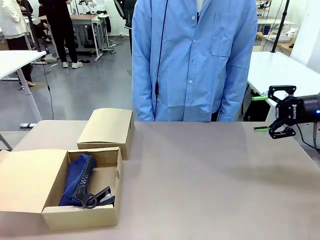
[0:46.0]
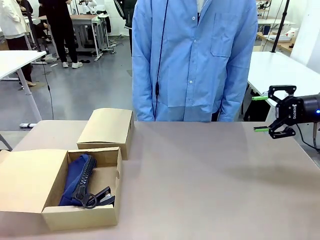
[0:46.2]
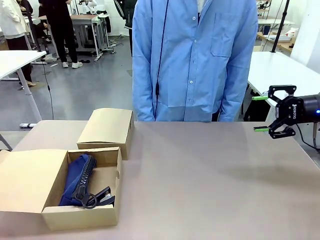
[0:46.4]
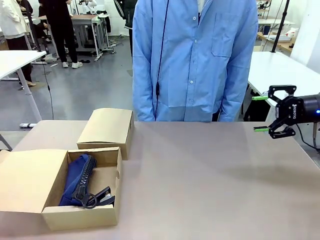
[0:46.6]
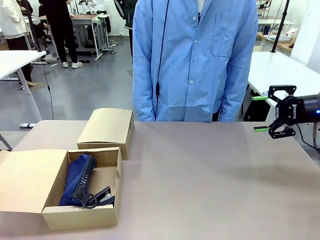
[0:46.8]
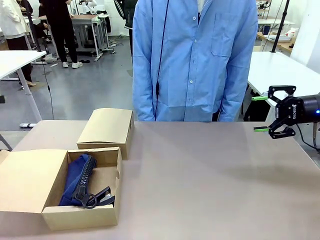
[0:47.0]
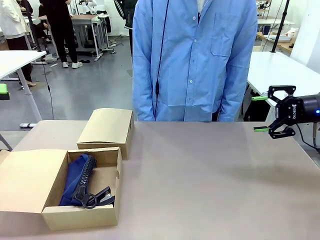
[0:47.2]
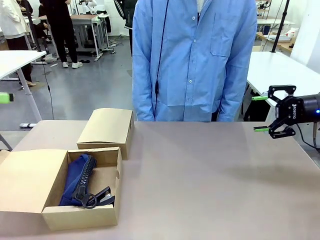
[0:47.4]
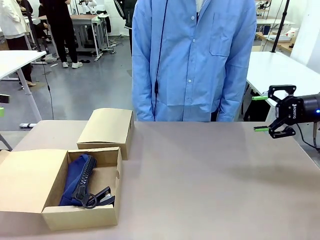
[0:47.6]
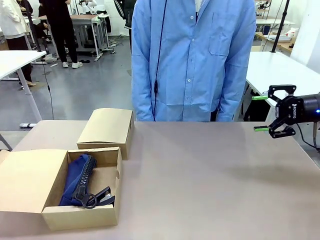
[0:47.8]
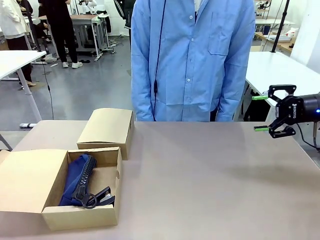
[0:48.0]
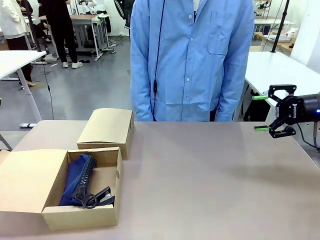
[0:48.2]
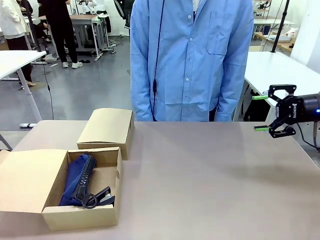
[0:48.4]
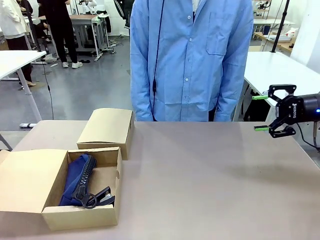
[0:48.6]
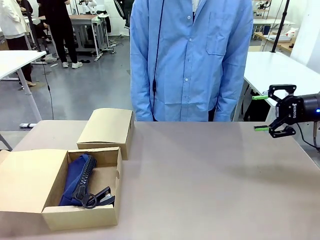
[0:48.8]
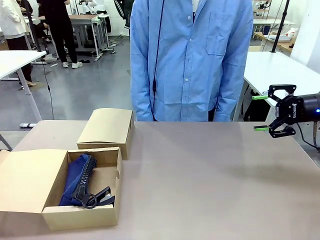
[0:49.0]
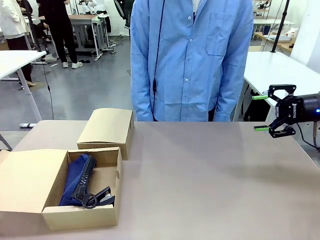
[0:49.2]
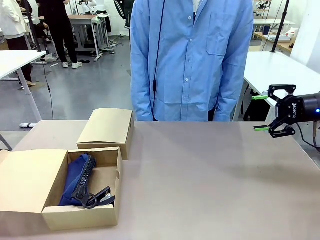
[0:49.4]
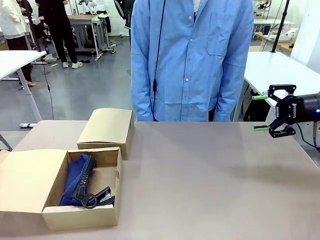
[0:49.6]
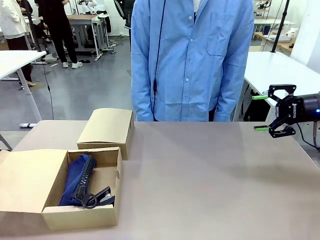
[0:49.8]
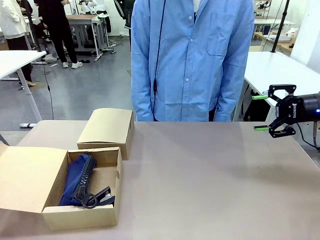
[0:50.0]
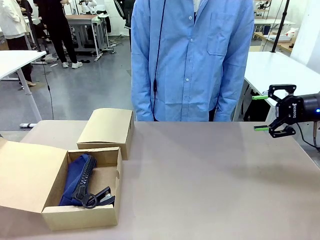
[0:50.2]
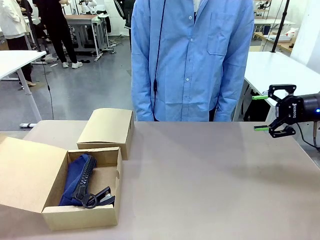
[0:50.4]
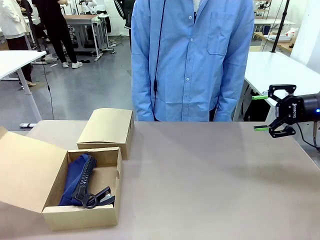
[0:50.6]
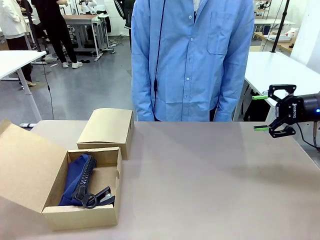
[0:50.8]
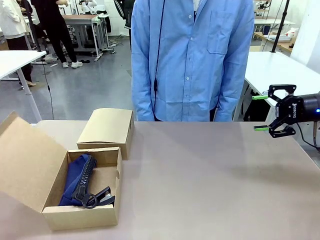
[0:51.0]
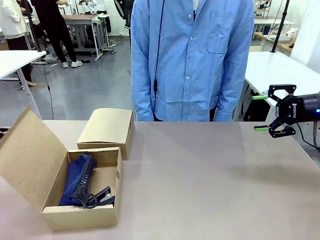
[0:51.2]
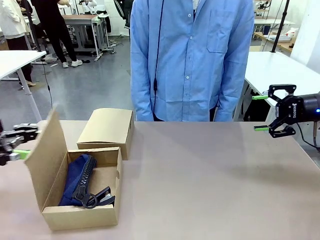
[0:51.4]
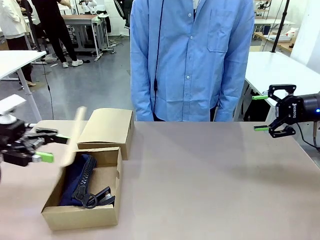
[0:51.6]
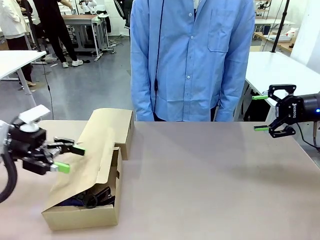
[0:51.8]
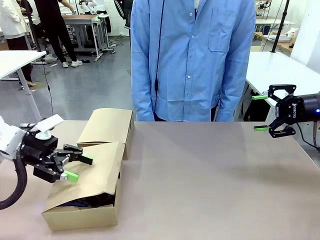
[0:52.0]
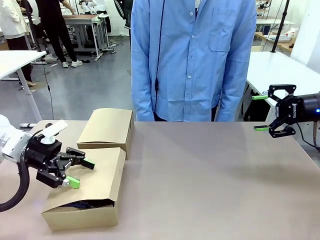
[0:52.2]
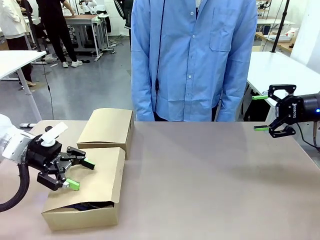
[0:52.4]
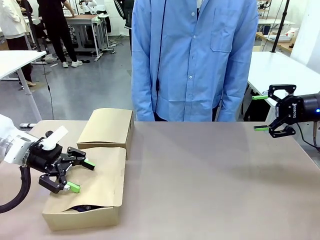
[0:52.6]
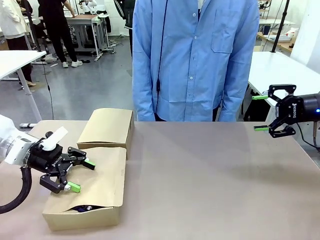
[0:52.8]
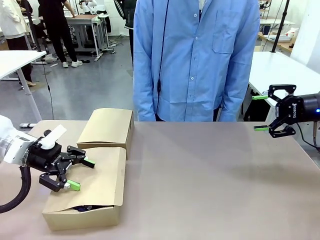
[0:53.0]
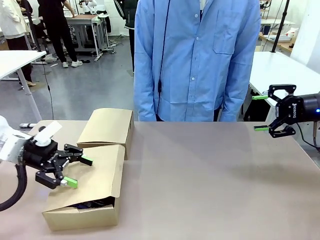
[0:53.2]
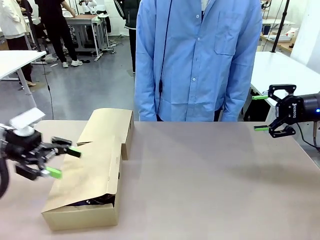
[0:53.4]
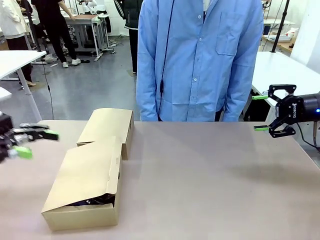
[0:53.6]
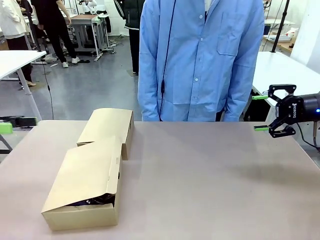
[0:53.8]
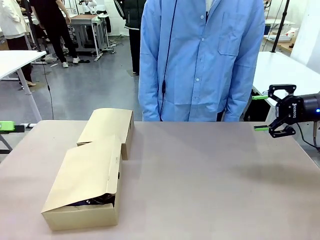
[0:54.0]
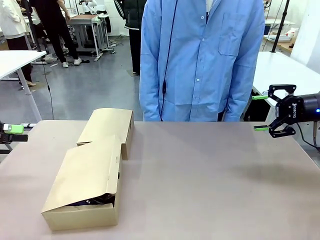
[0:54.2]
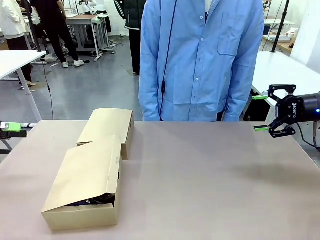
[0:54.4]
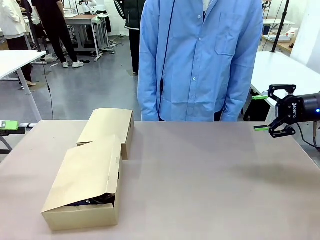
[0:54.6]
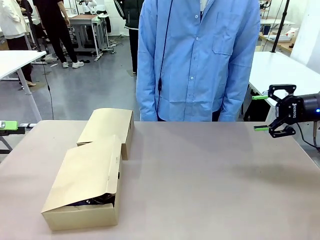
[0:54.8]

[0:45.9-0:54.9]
Task: Place items inside the box.
Robot: Close the lid of the Mailer Box closest to the robot.

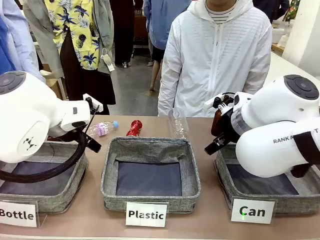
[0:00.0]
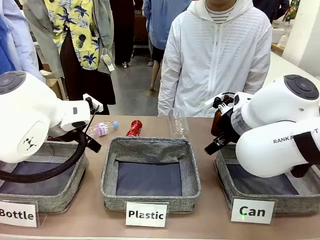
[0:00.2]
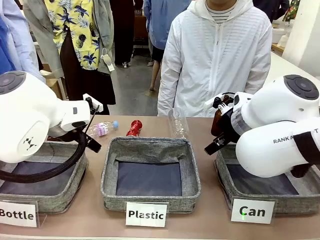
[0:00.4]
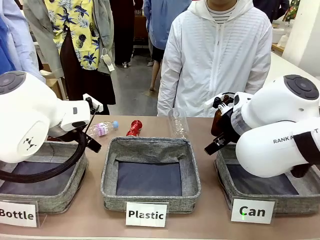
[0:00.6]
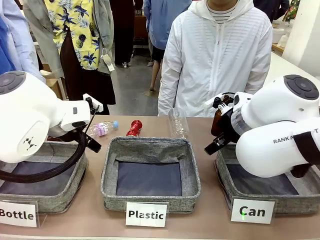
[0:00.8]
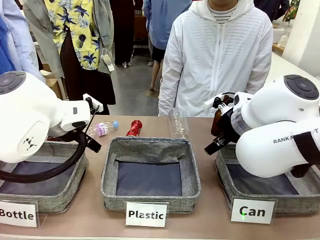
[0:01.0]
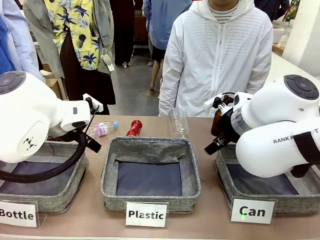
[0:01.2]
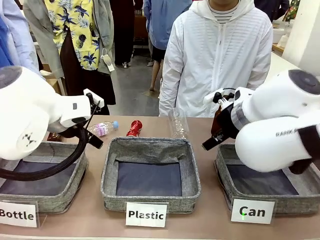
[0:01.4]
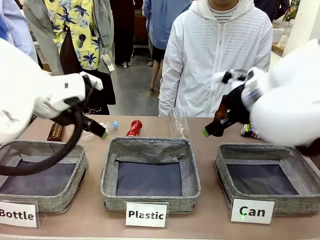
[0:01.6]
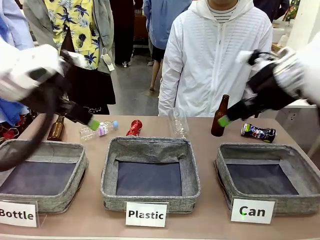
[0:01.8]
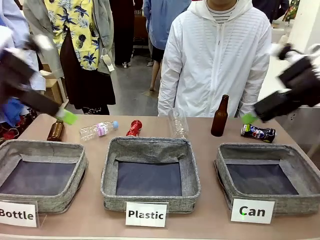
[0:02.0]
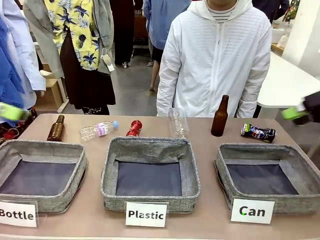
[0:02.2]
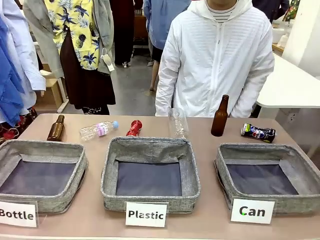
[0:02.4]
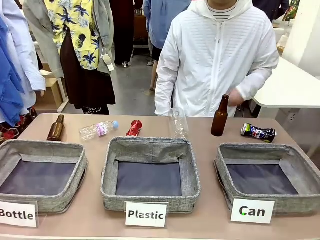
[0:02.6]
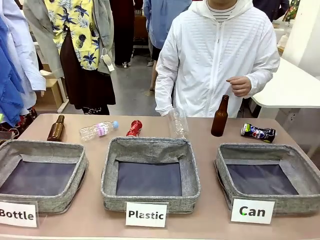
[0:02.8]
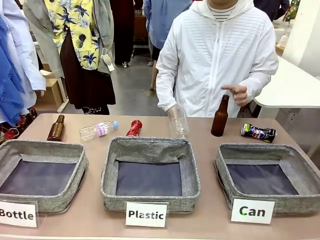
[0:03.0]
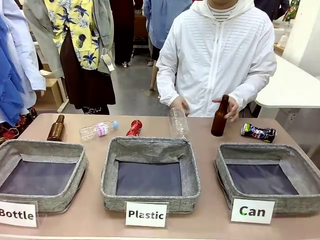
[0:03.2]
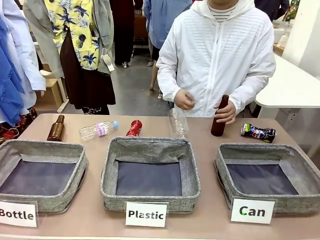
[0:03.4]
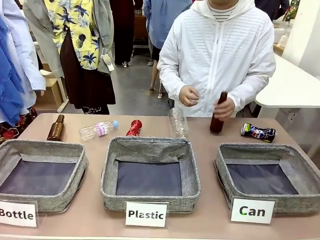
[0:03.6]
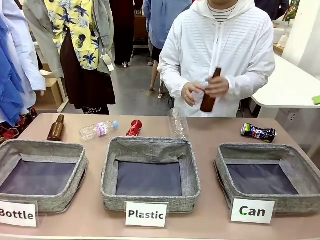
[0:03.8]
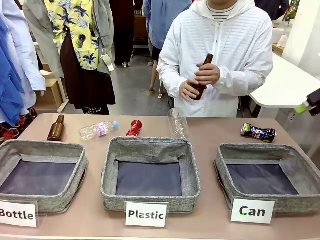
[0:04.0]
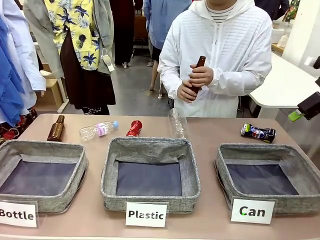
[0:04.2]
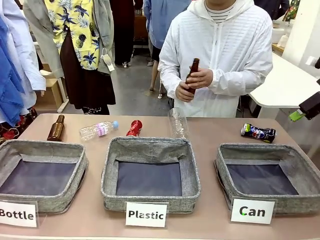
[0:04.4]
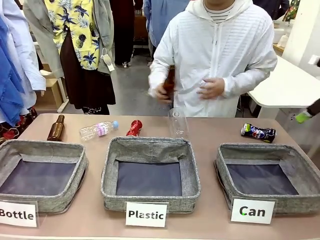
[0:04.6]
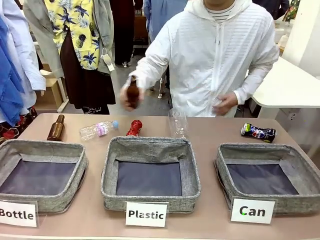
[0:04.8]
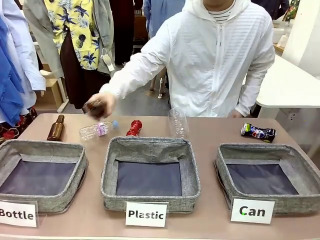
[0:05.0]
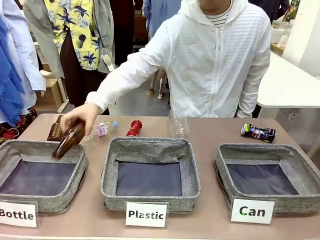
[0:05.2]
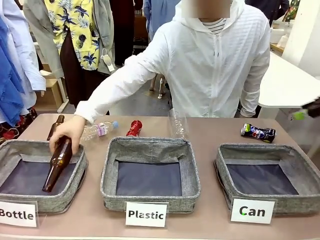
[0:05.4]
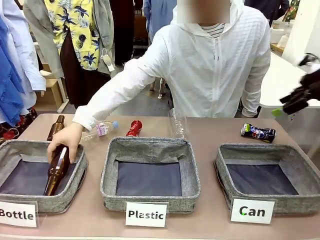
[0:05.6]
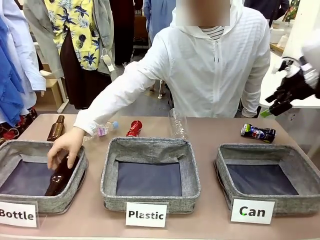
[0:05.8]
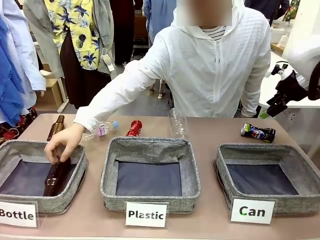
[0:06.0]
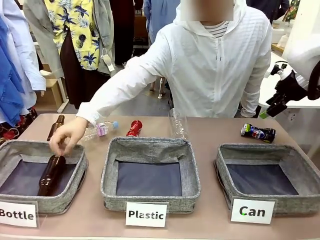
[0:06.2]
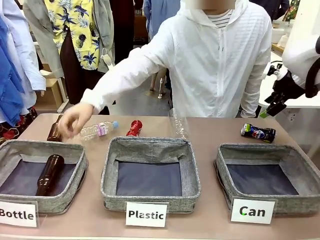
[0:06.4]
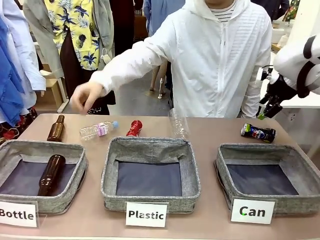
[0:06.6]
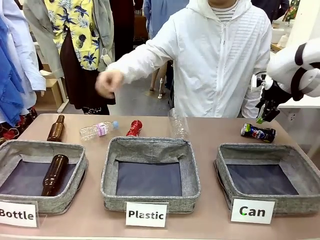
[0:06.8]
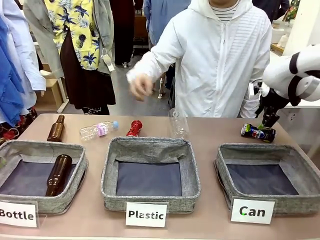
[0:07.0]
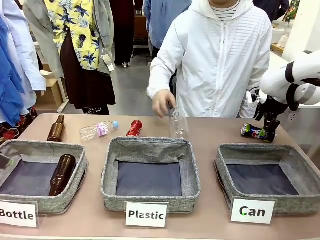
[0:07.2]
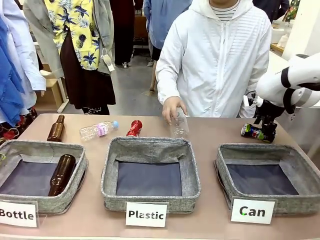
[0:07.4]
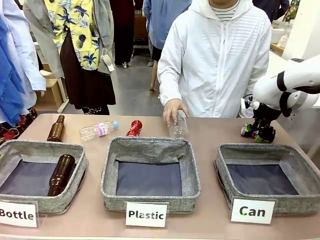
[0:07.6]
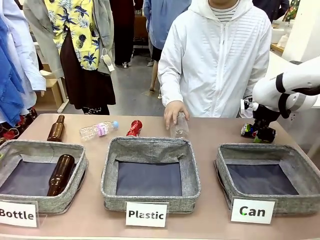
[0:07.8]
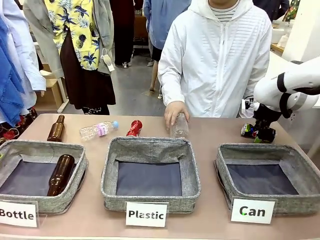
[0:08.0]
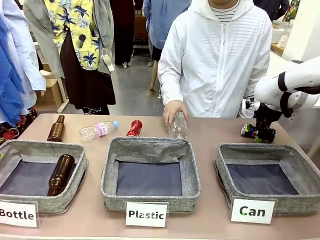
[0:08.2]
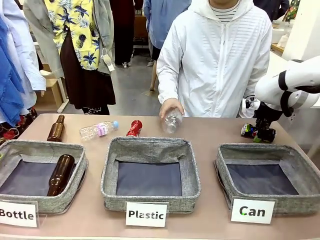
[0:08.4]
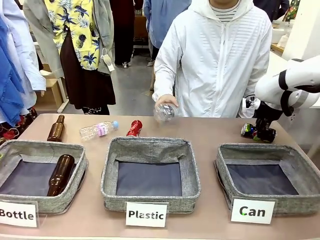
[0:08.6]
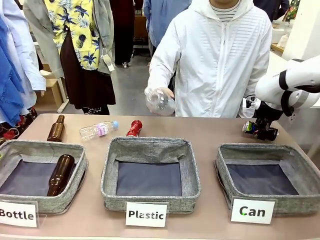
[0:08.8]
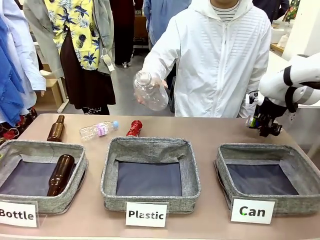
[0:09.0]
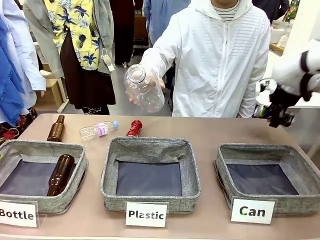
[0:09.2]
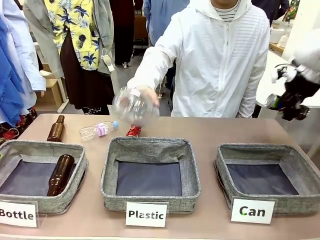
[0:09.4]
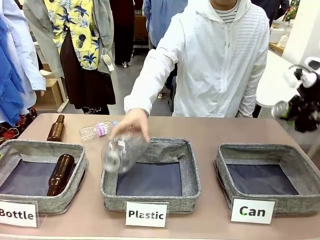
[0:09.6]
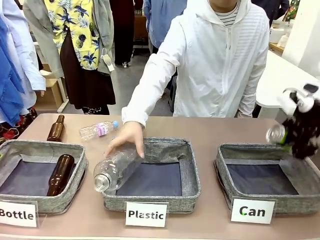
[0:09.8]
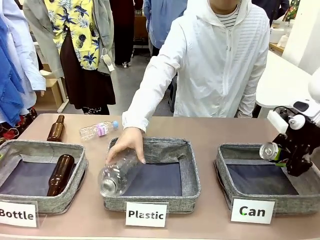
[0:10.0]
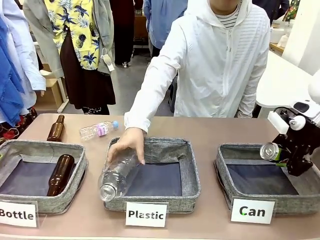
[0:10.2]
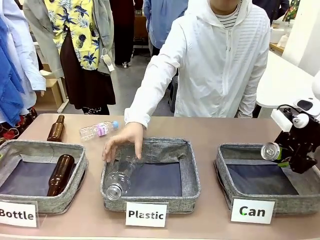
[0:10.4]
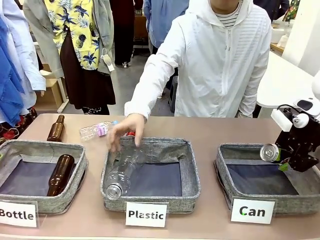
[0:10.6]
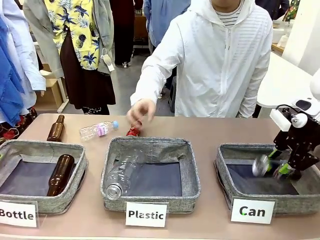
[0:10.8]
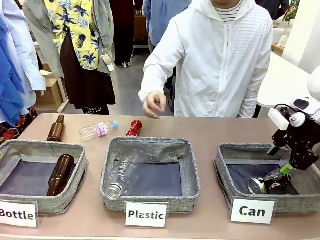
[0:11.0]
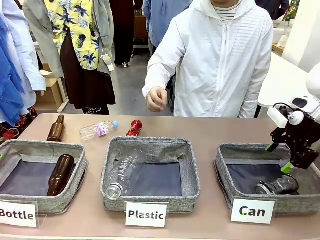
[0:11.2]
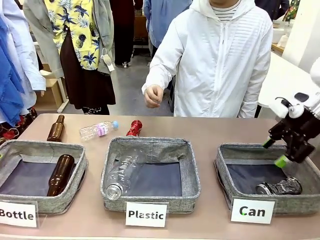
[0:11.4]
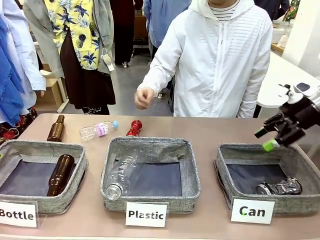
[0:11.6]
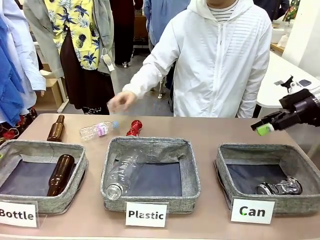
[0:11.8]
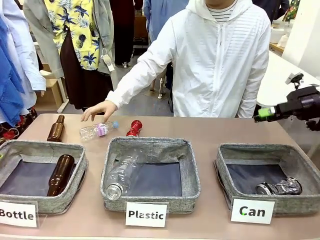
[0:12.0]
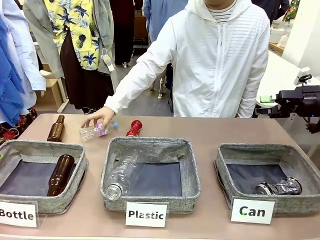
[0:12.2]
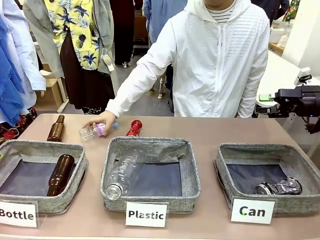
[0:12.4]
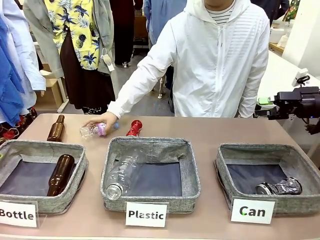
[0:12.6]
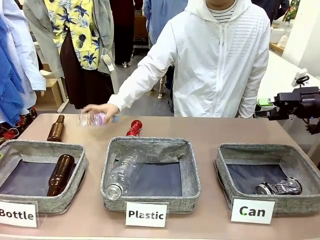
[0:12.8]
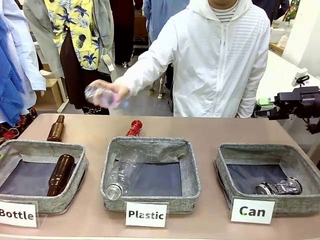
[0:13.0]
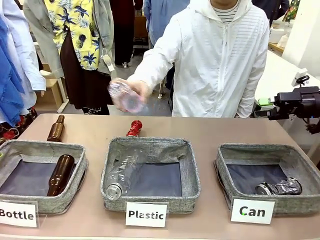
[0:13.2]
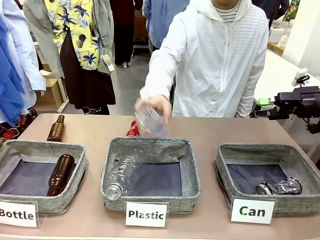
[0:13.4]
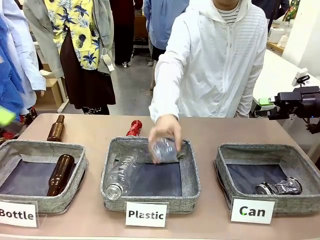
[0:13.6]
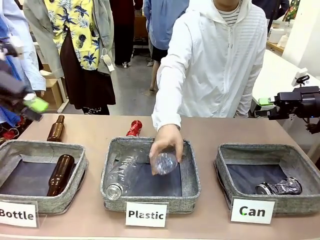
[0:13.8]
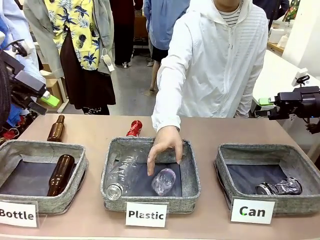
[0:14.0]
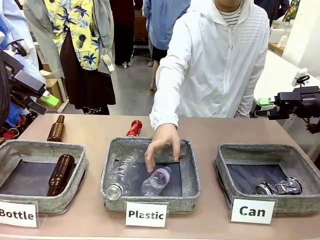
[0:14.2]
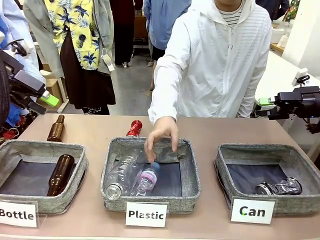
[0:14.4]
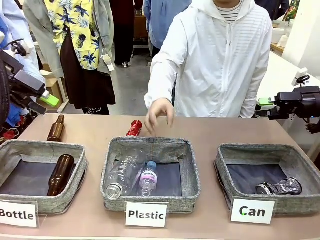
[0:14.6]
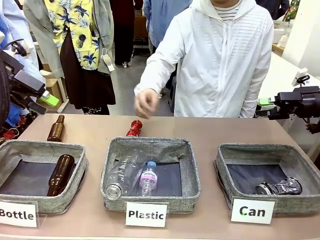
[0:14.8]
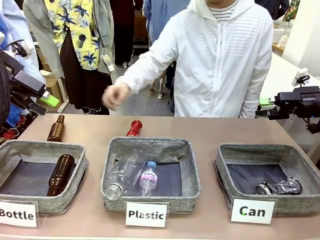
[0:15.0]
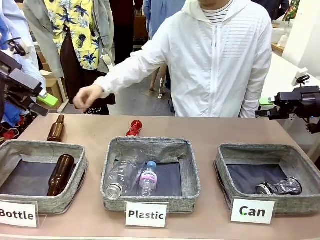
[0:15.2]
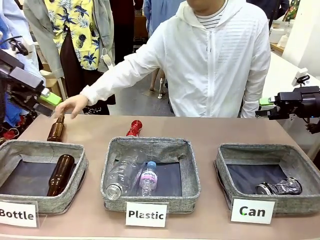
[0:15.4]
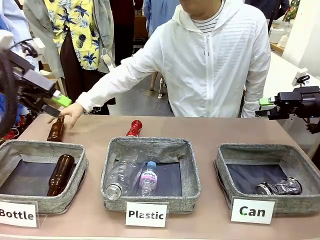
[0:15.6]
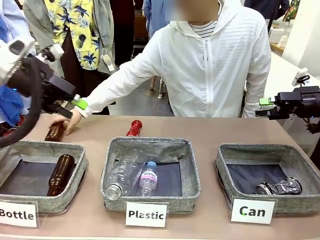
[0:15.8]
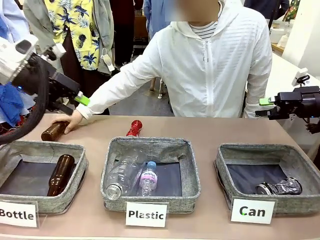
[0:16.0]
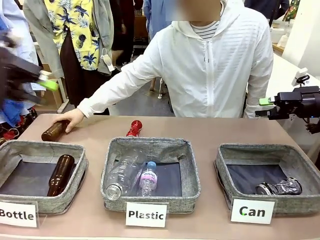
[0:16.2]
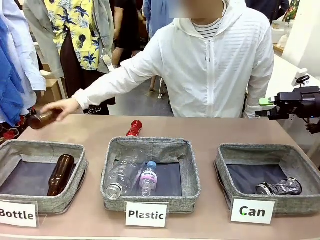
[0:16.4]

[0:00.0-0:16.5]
Task: Sort the can waste into the basket.
Robot: Pick up the can waste from the table and place it in the right Fabric basket.
